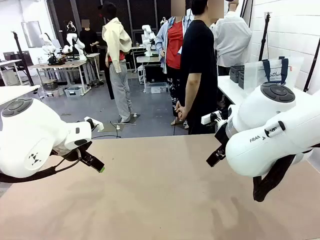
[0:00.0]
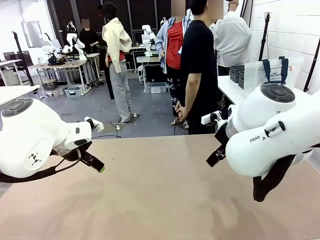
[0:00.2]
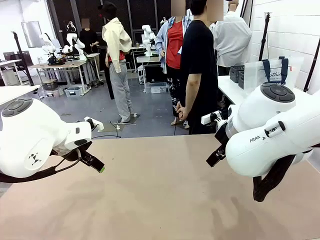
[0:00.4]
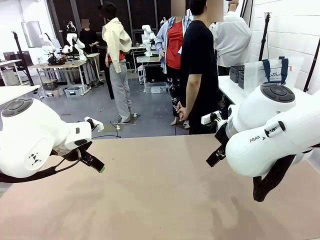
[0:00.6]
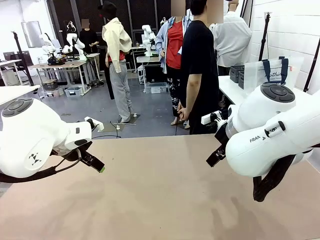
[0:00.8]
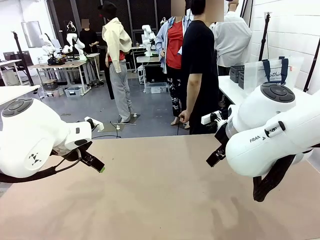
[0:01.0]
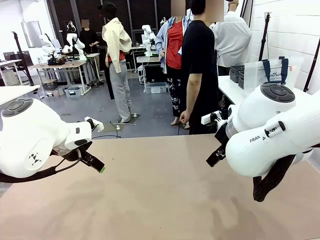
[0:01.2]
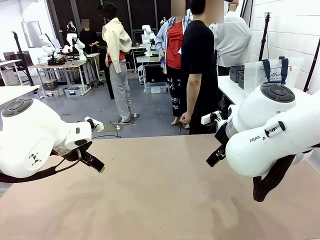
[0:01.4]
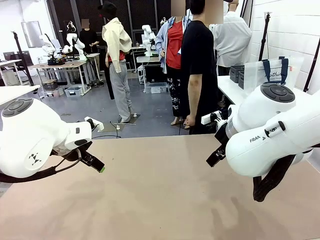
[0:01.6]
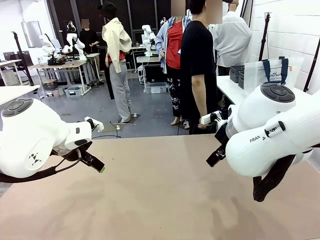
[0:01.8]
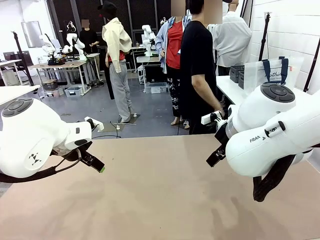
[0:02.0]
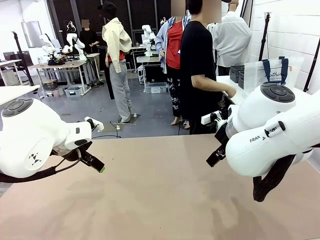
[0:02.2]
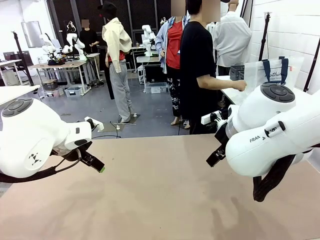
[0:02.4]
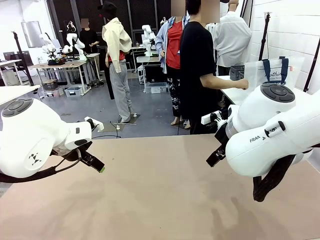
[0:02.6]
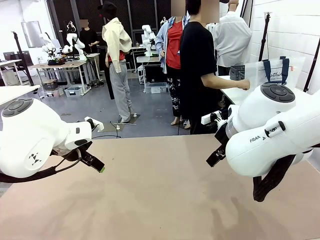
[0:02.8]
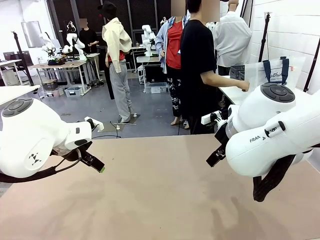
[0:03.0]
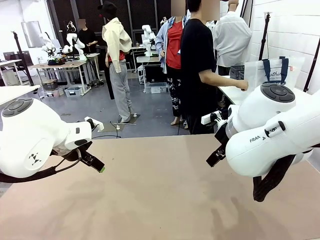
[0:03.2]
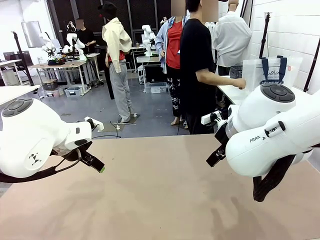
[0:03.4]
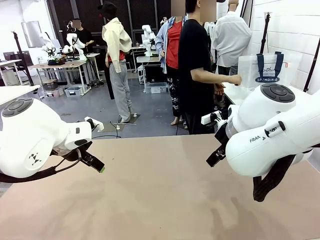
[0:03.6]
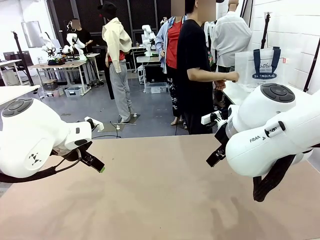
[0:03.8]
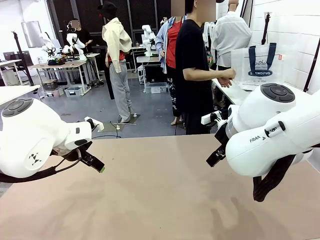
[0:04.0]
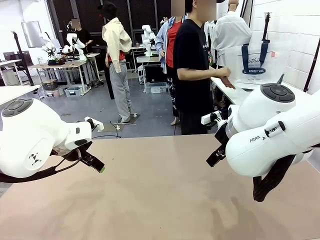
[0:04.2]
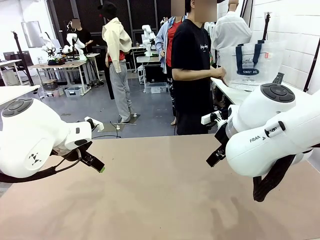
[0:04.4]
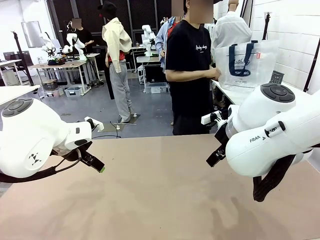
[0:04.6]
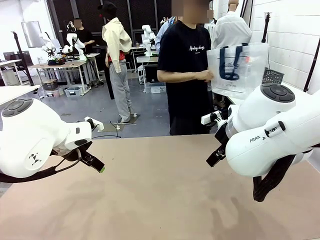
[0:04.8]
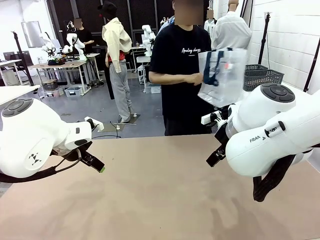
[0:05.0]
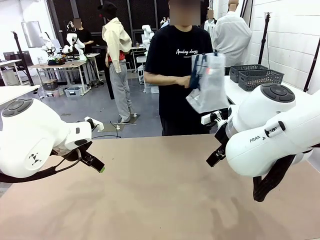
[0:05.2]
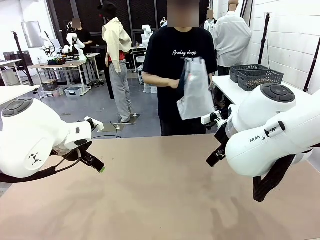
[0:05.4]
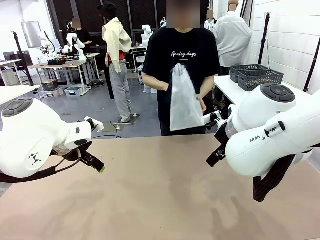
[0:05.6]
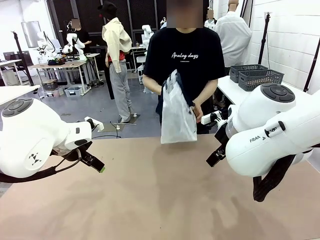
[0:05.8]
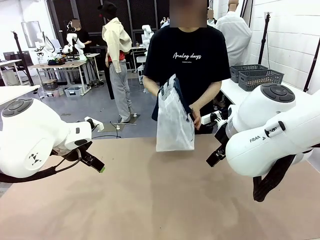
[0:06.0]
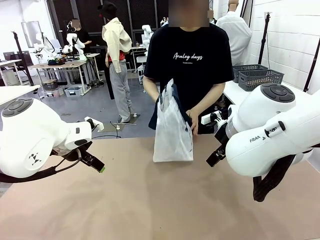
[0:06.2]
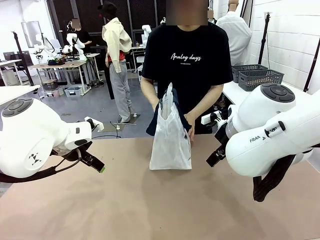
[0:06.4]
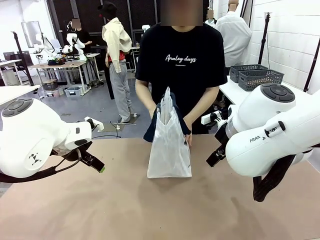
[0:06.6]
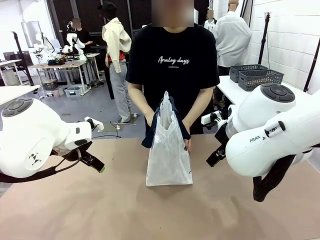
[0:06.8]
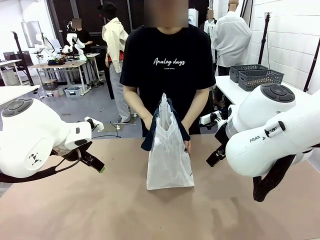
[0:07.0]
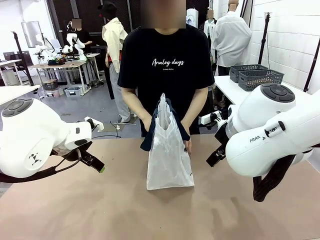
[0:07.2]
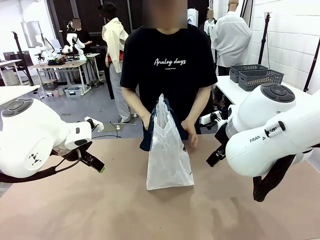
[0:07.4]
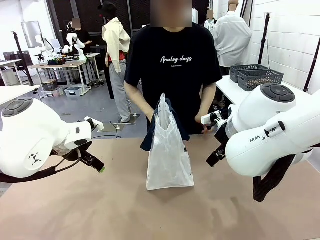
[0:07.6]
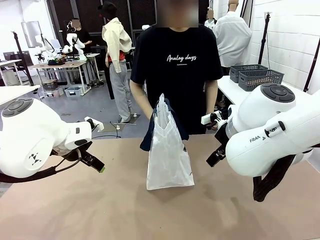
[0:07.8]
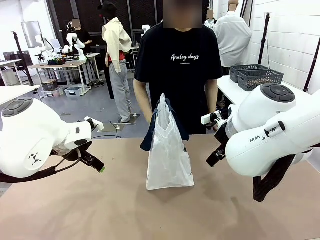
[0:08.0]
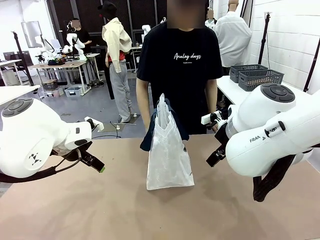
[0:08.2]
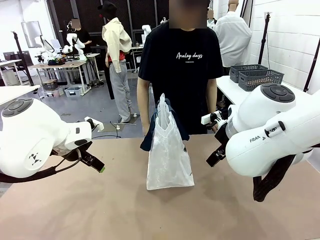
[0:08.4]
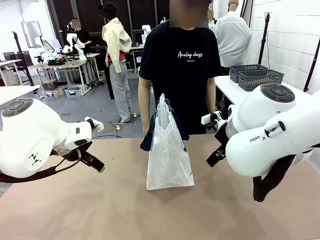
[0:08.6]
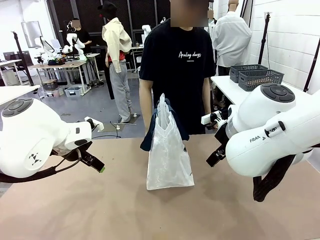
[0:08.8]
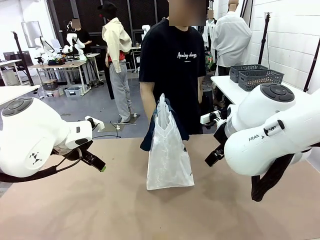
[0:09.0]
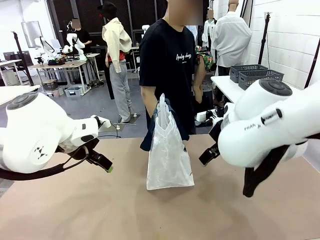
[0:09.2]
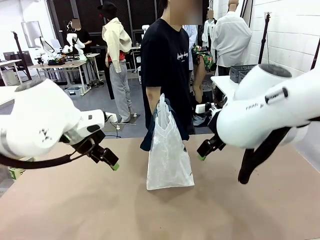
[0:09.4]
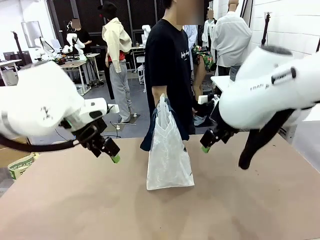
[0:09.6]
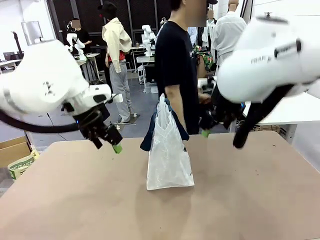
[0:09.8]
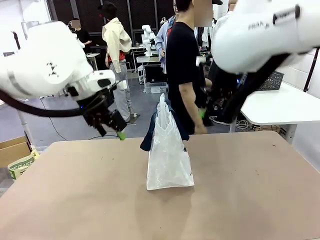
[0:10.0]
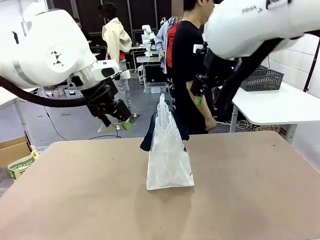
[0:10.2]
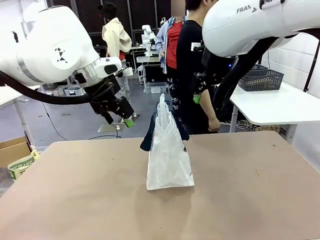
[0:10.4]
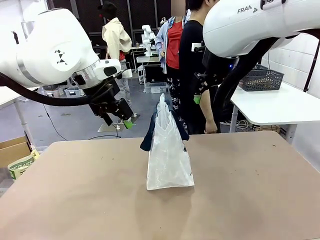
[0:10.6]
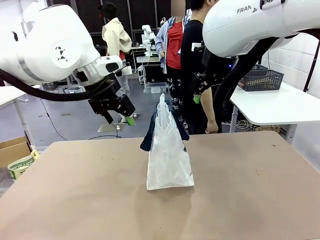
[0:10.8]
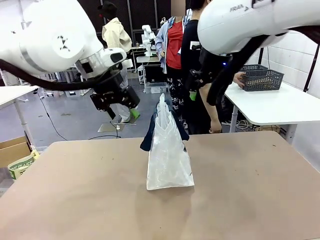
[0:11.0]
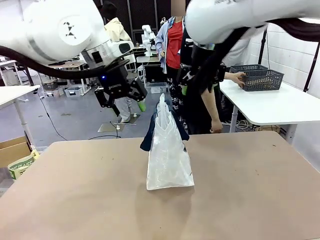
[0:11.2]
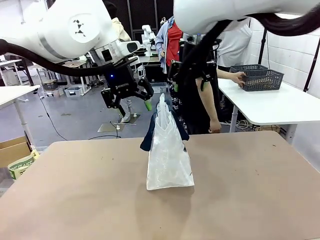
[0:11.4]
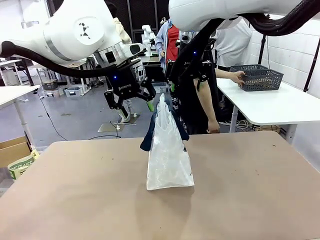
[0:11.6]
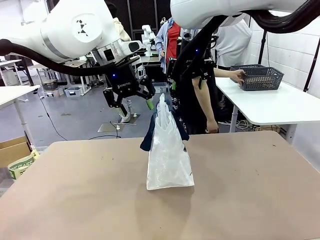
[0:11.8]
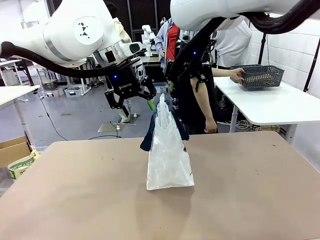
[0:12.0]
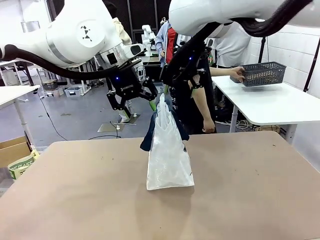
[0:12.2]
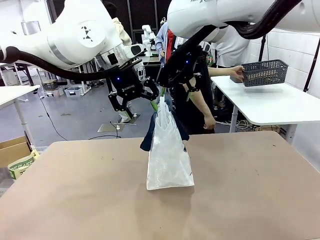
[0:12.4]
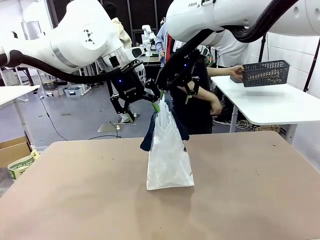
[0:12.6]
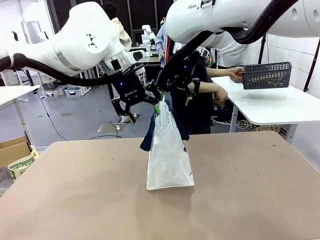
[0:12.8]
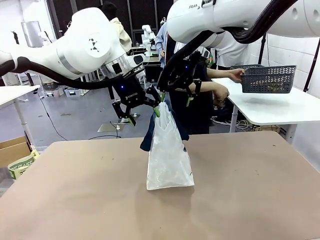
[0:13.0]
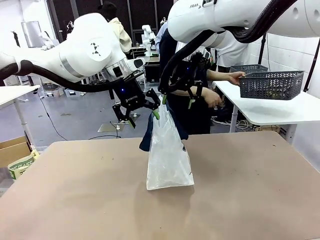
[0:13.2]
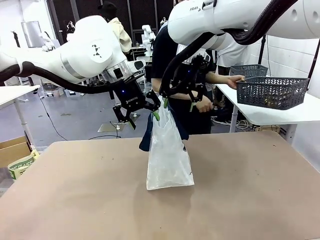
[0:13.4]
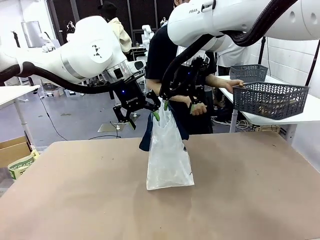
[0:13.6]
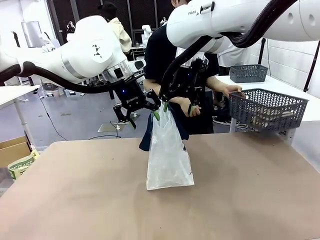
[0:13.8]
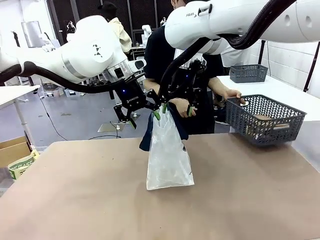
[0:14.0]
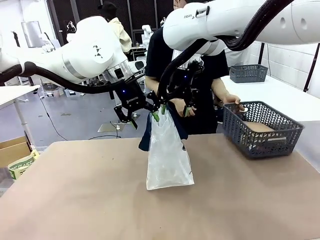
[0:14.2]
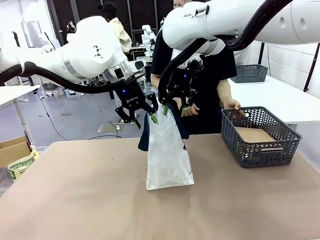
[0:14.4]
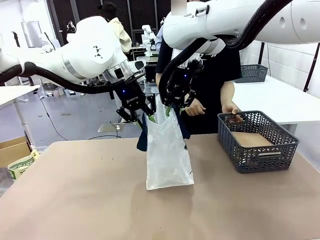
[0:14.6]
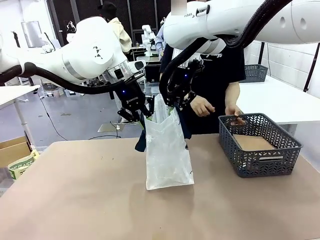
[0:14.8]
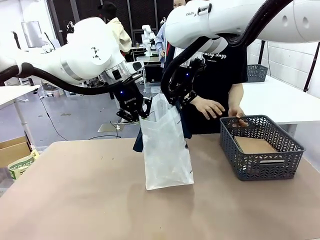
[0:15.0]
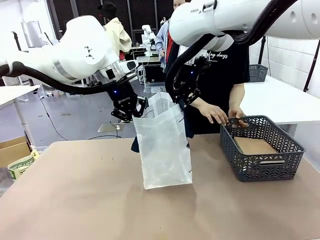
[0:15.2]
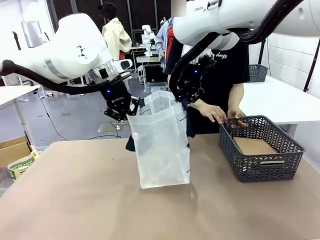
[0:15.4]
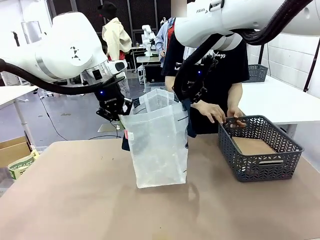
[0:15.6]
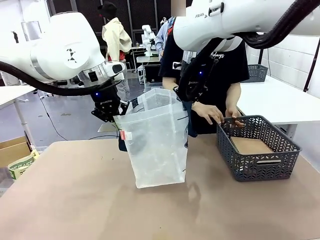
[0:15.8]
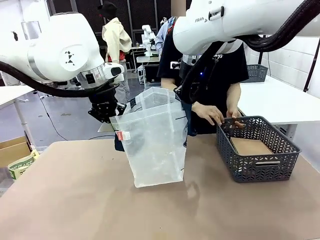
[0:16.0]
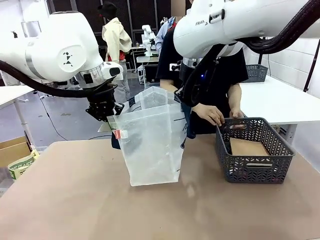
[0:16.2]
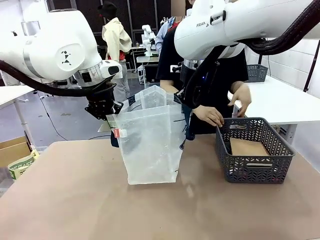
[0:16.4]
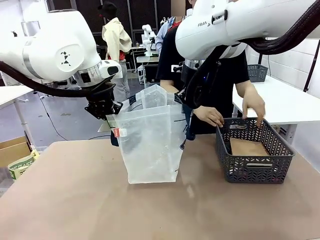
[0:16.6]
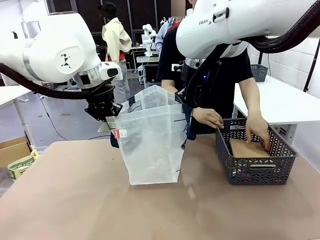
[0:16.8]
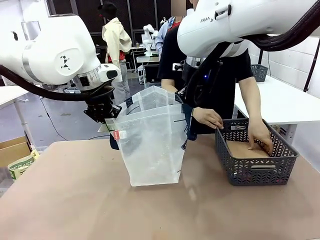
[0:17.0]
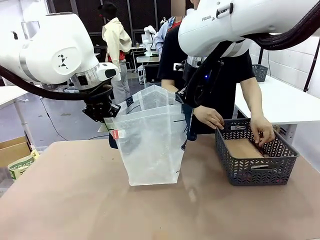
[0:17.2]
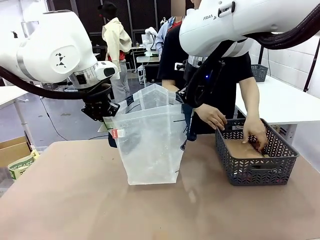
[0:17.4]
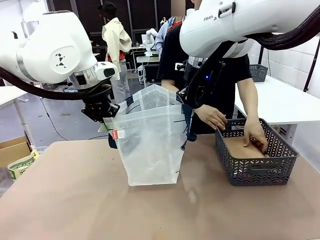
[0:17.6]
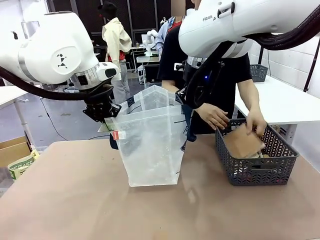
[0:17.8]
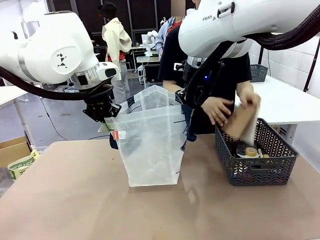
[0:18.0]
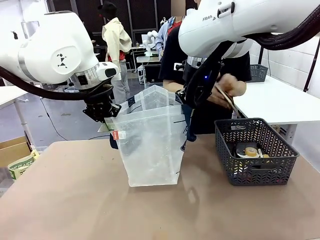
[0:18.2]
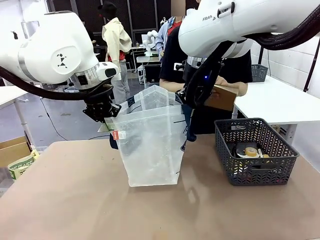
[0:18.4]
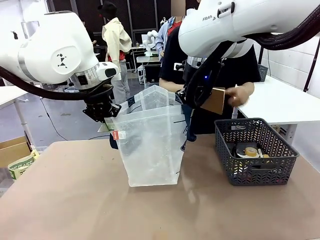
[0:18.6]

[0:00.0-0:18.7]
Task: Transfer purchased items from the store into the shopping bag.
Robot: Open the Reusable shopping bag in the center of the table.
Person: Pick up the shopping bag and place it in the middle of the robot table.
